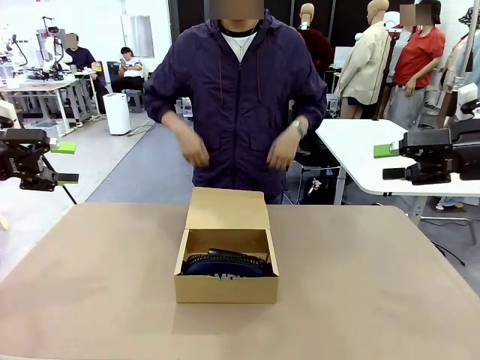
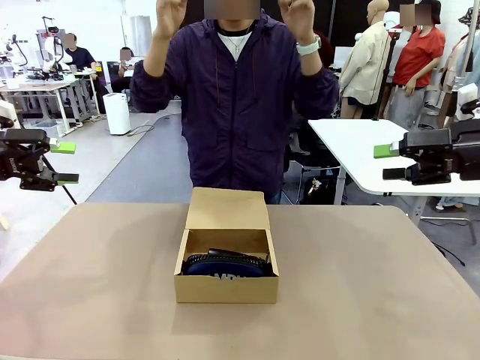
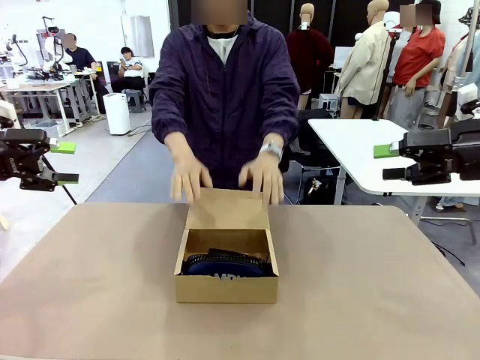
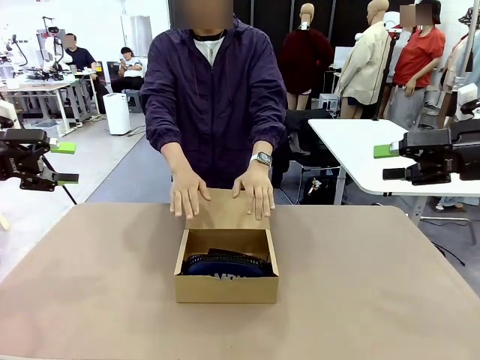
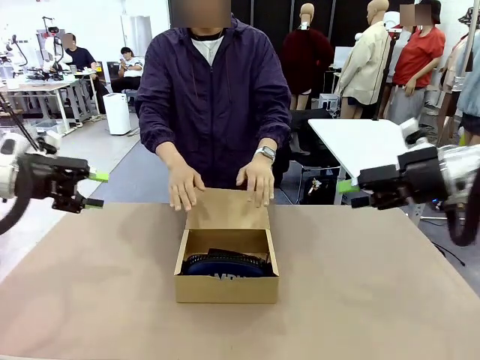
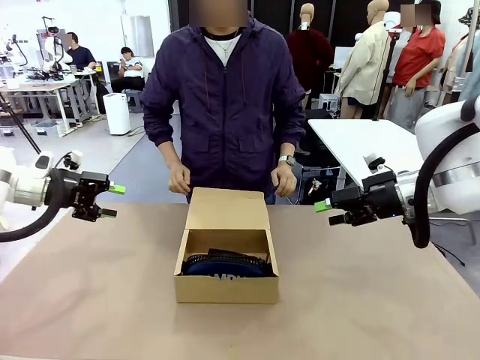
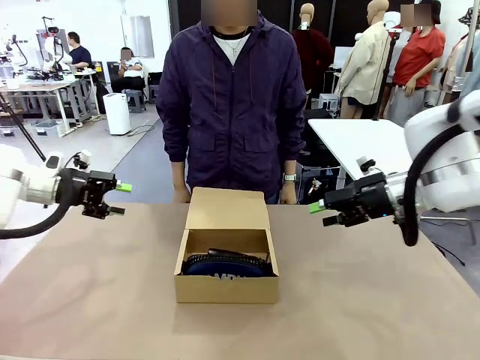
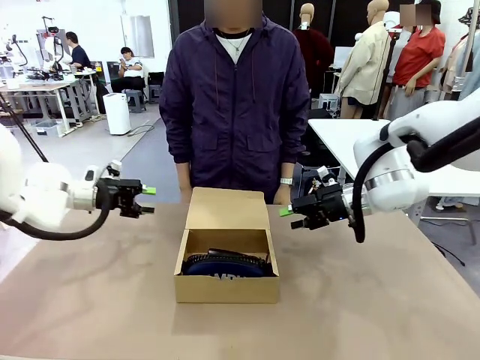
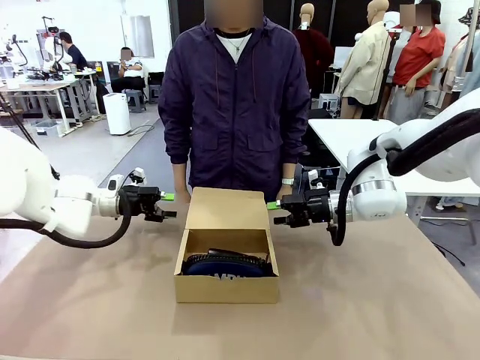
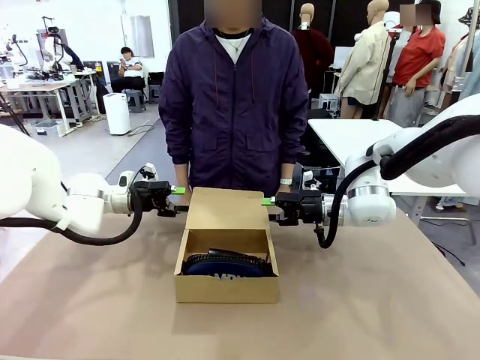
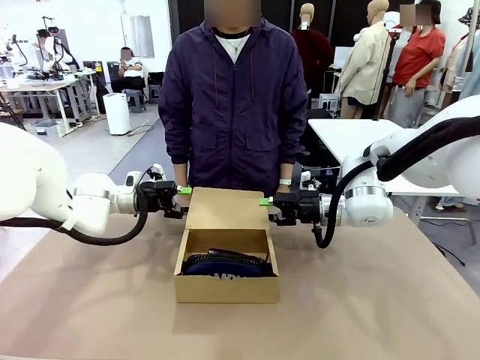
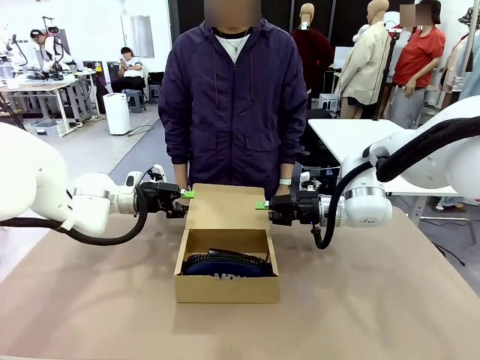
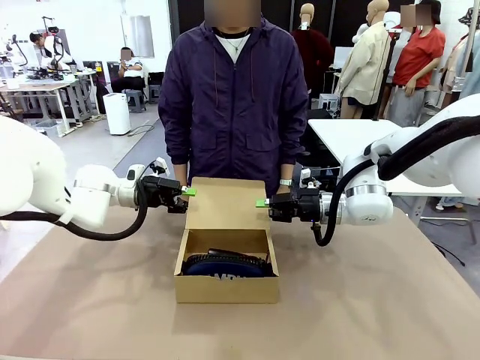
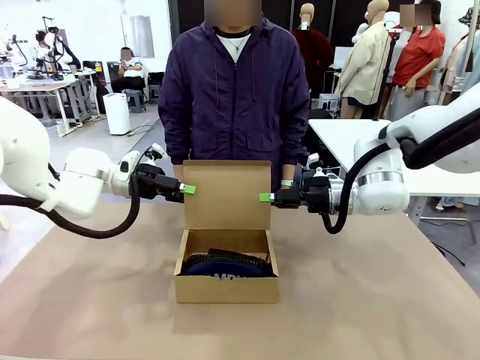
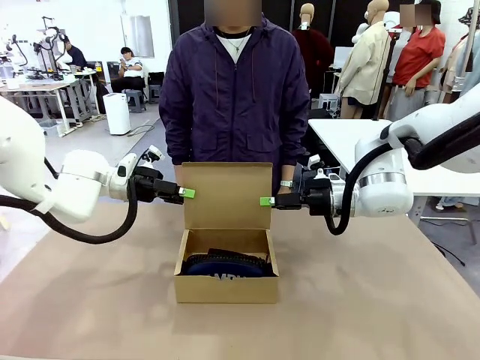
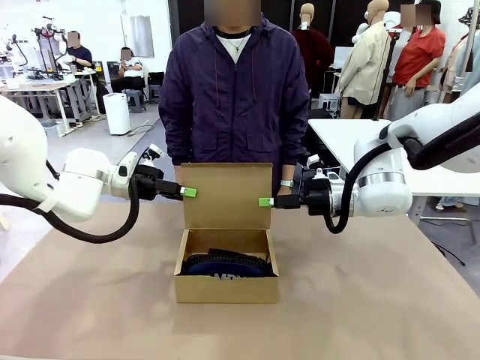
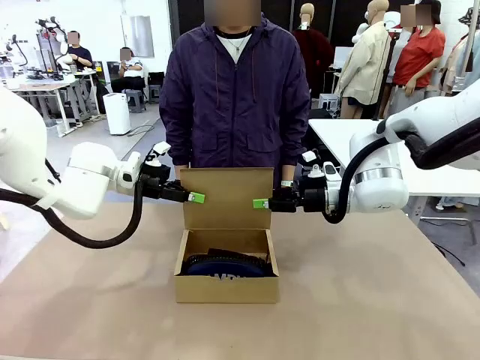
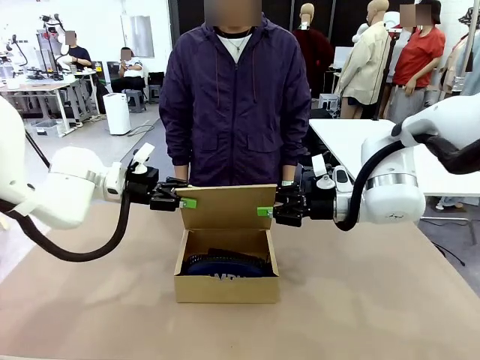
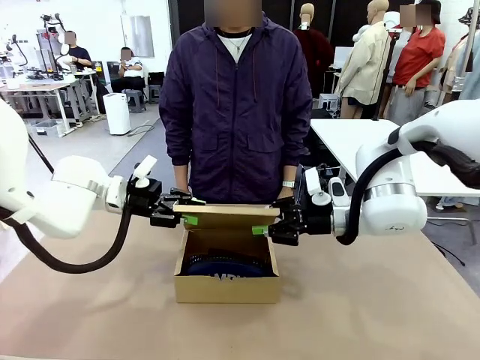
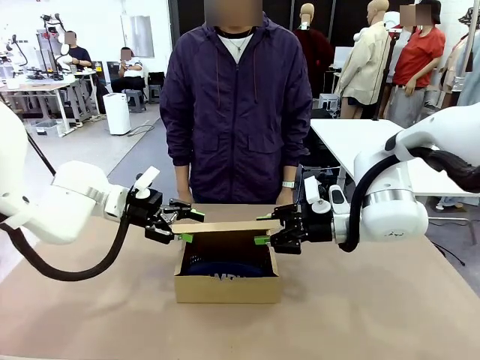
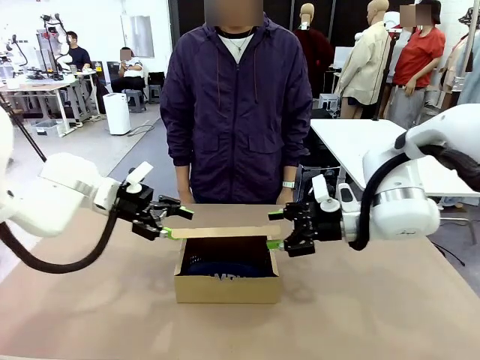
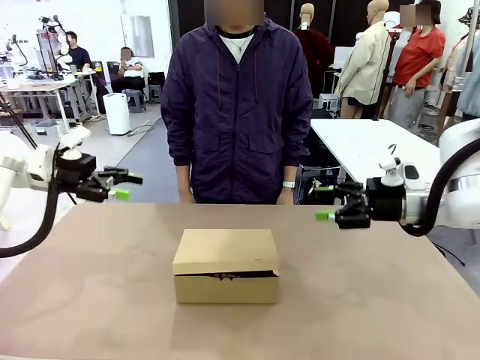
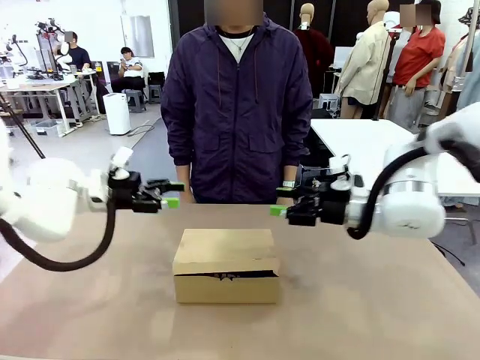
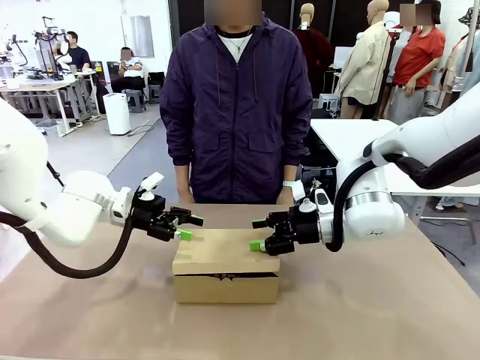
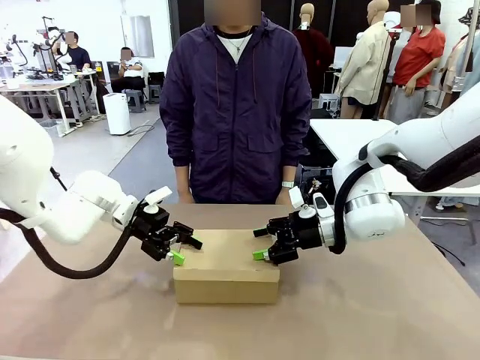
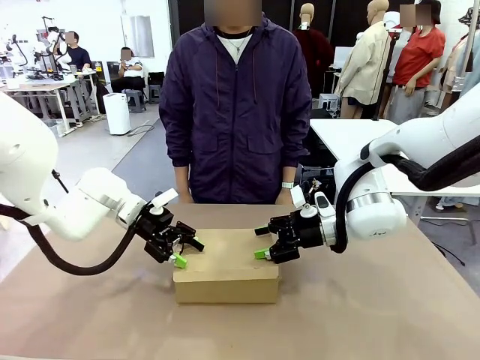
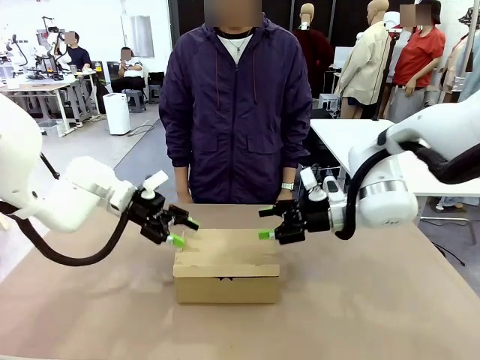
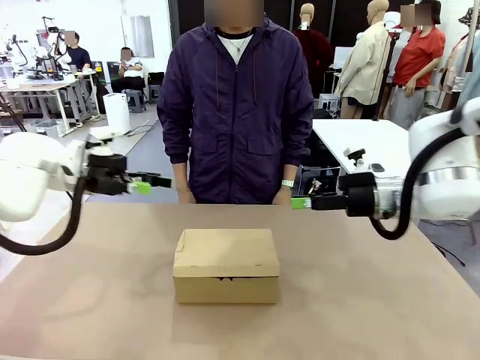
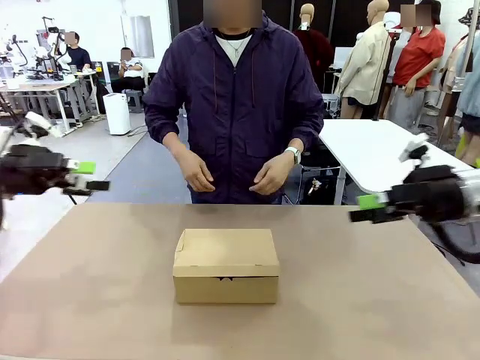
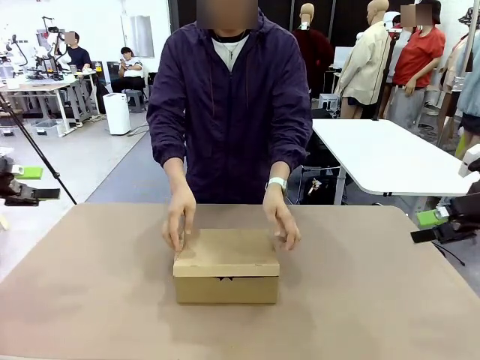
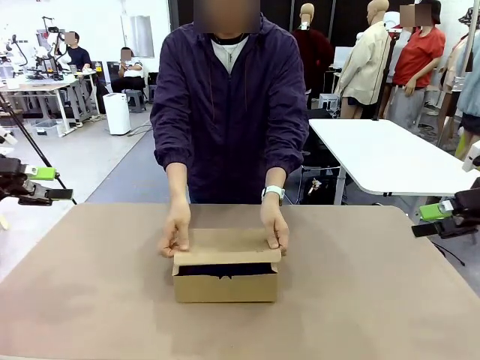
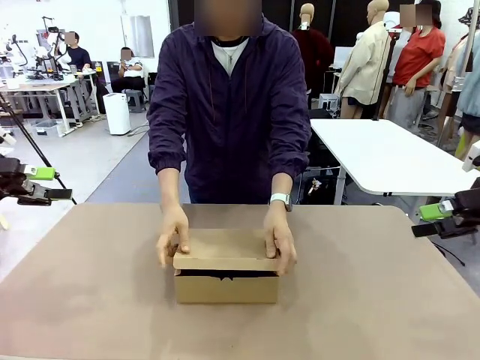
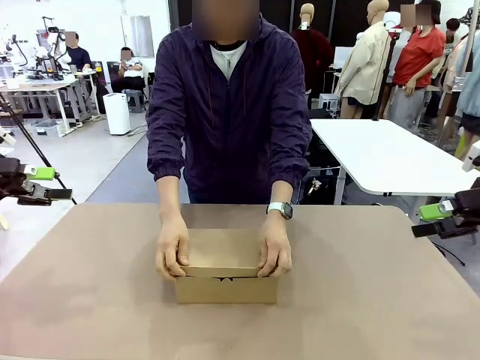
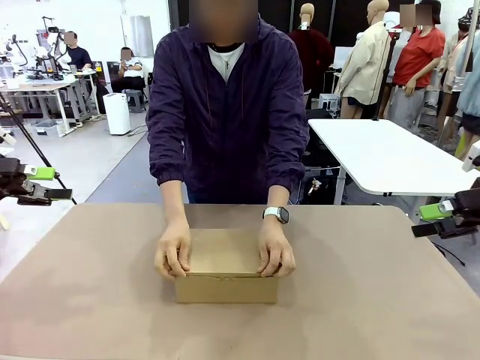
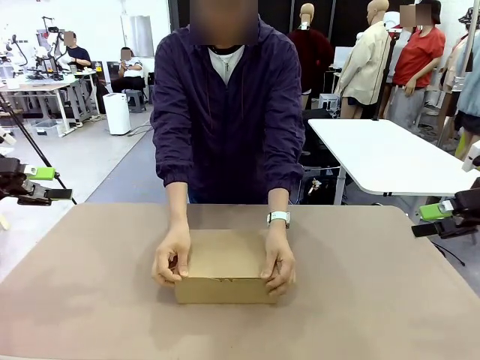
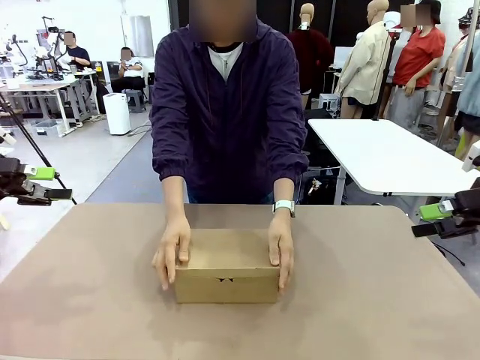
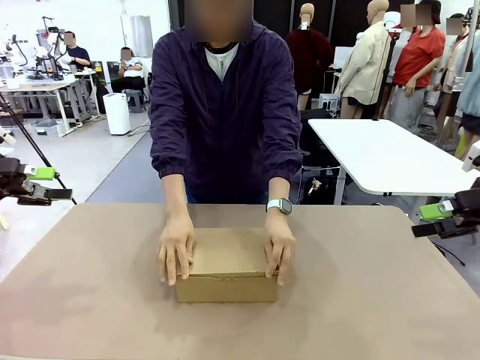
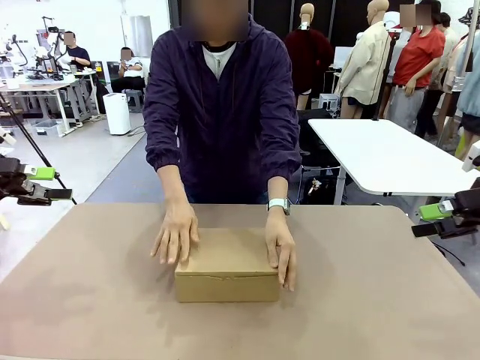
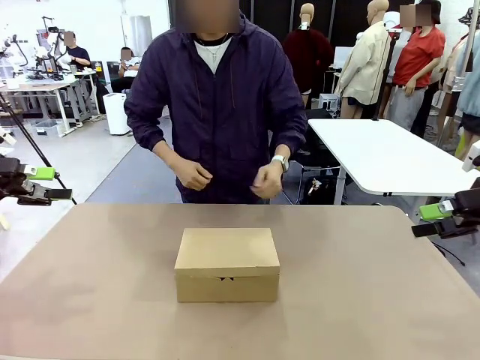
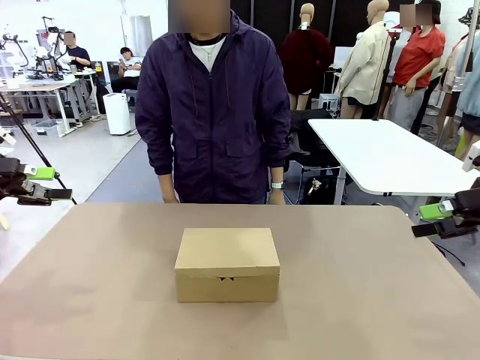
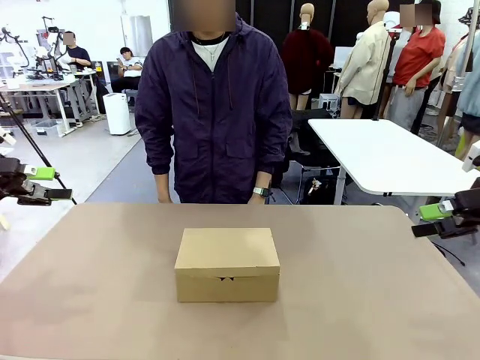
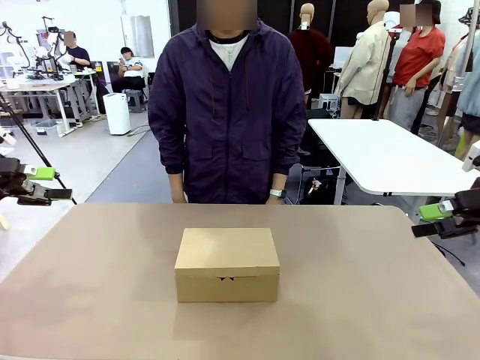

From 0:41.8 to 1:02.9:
Task: Pack the items into the box.
Robot: Close the Mailer Box.
Person: Turn the box and lock it.

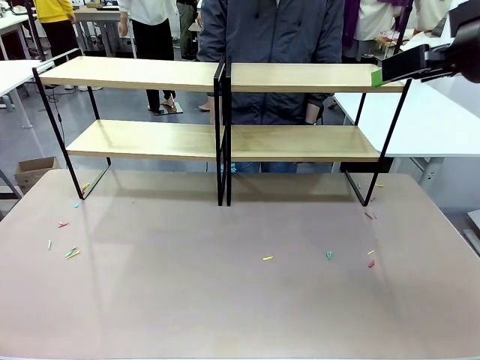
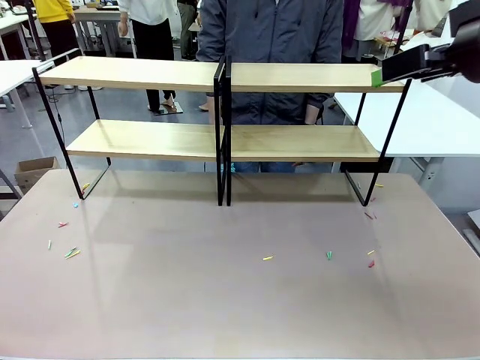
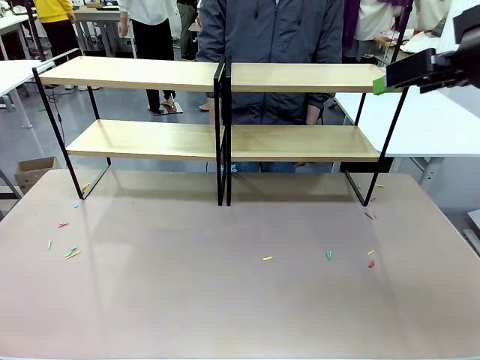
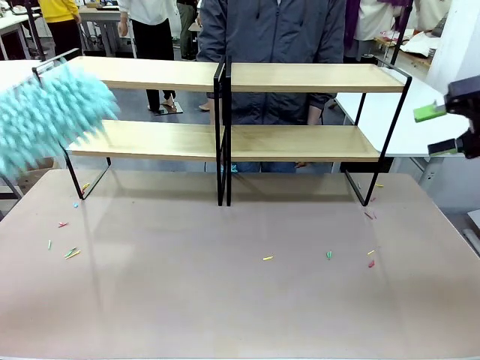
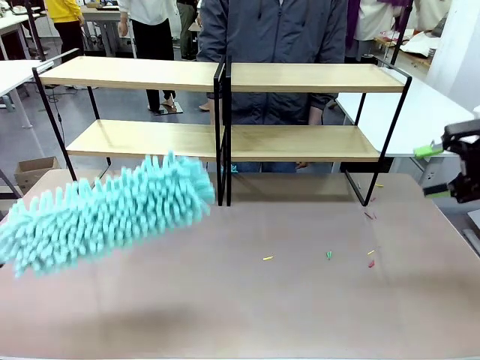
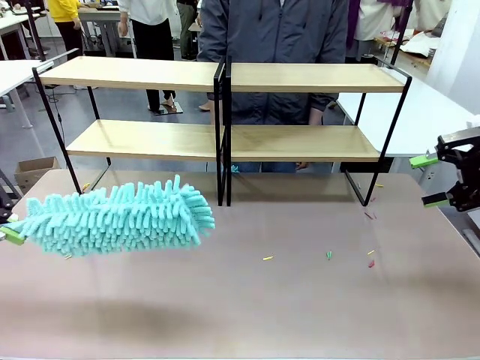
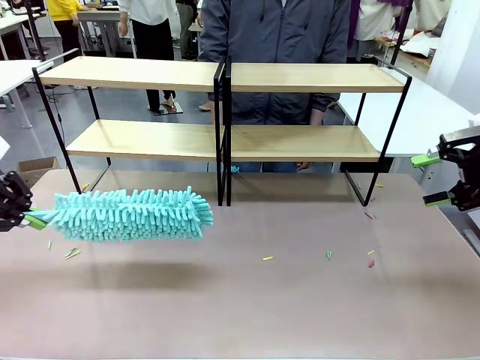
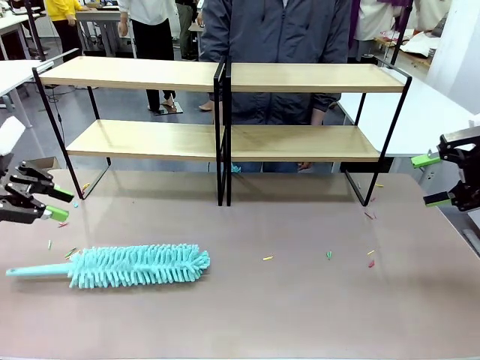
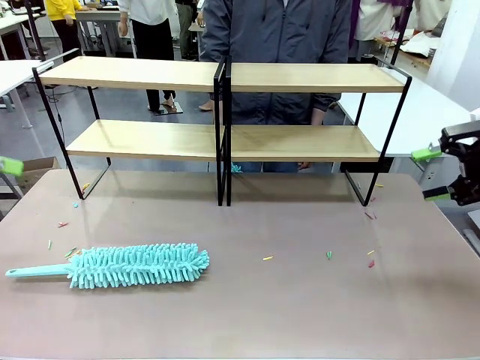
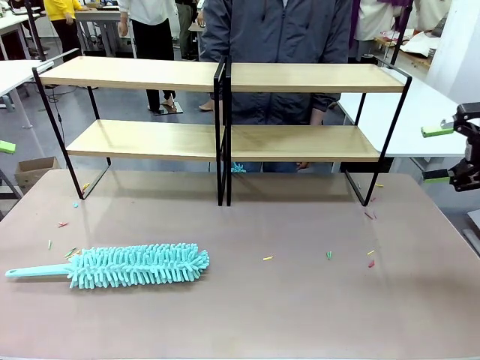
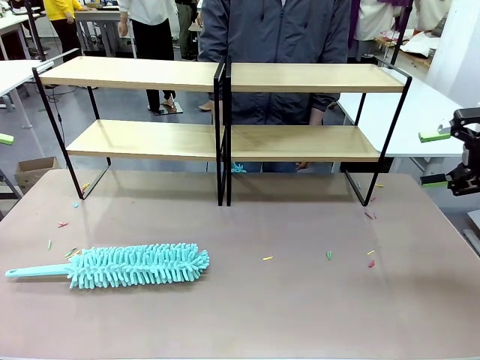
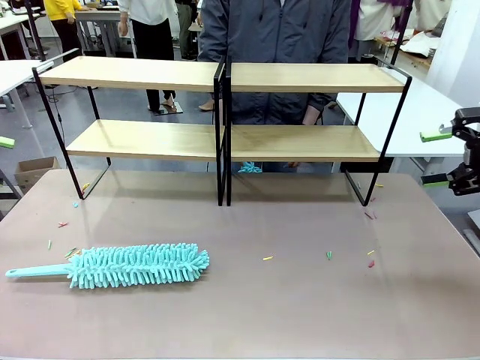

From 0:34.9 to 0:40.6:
Task: Clean the shelves.
Robot: Place the Duster on the table.
